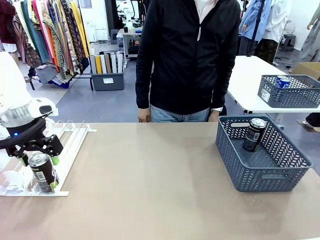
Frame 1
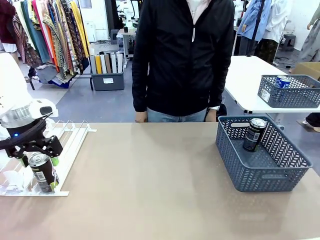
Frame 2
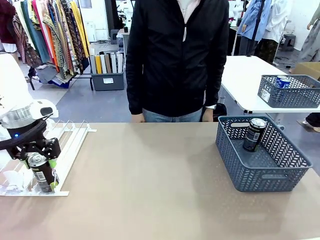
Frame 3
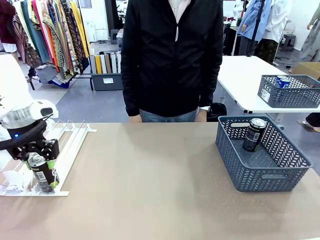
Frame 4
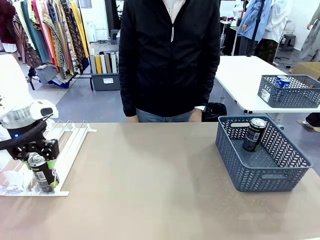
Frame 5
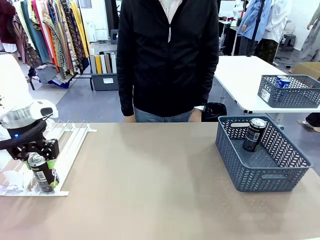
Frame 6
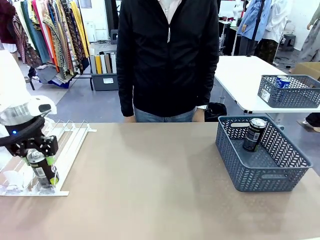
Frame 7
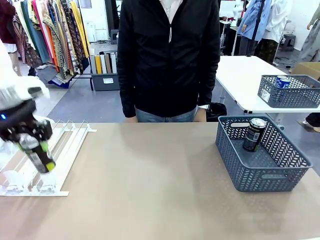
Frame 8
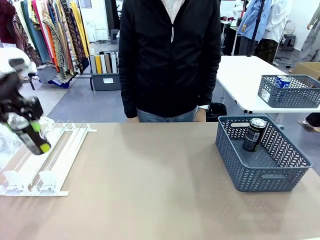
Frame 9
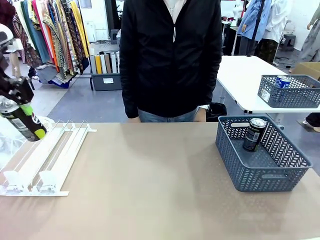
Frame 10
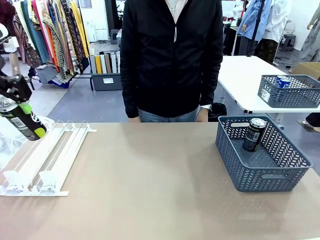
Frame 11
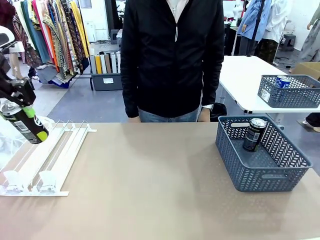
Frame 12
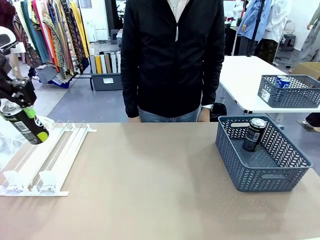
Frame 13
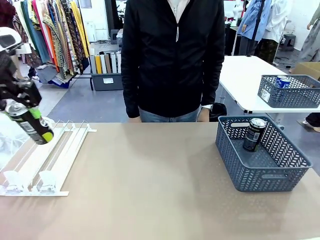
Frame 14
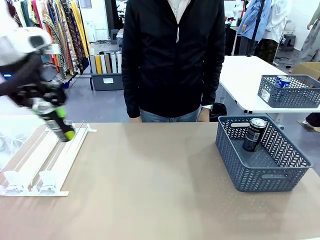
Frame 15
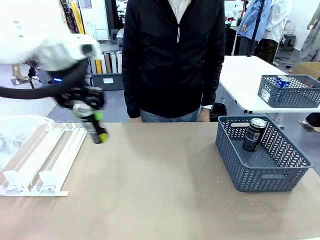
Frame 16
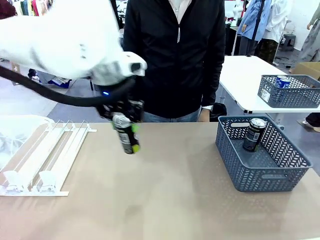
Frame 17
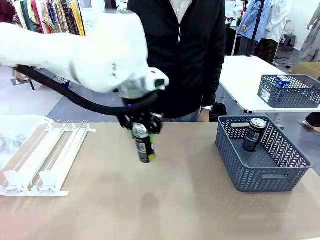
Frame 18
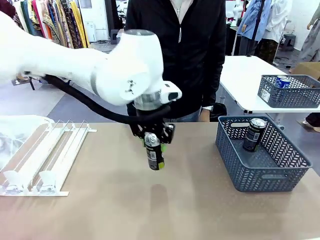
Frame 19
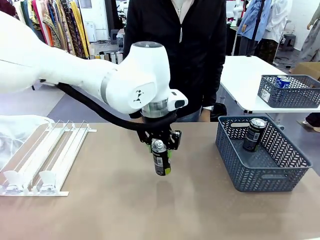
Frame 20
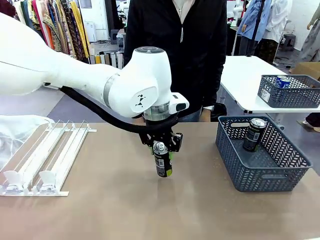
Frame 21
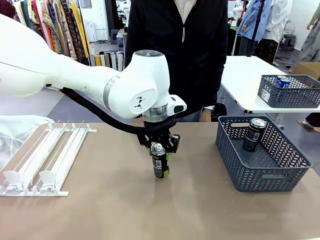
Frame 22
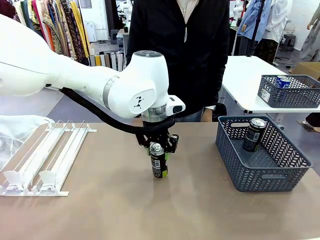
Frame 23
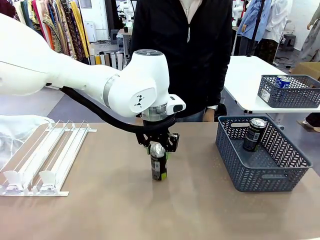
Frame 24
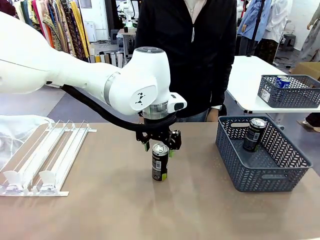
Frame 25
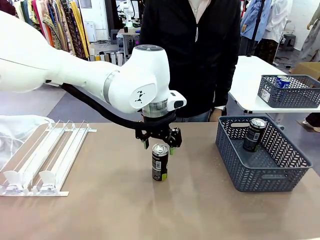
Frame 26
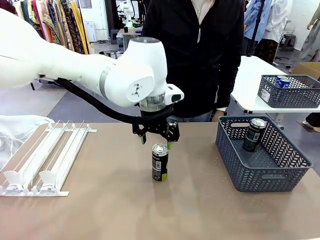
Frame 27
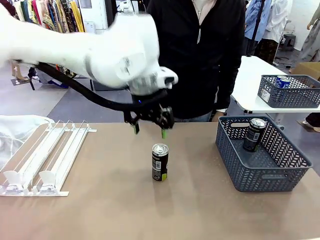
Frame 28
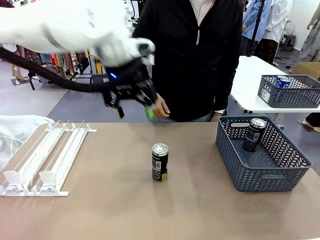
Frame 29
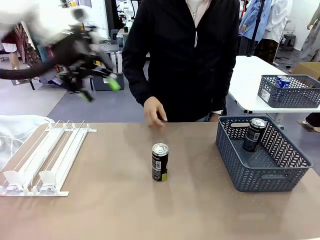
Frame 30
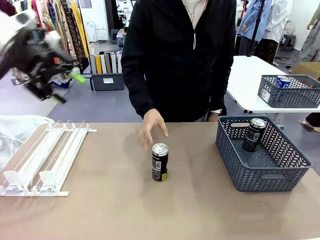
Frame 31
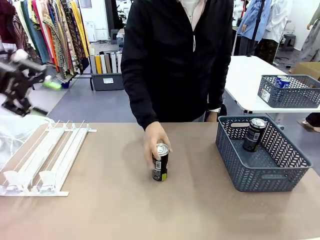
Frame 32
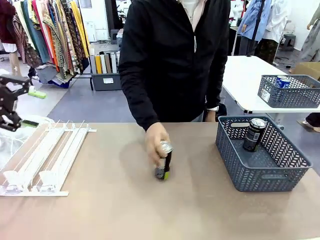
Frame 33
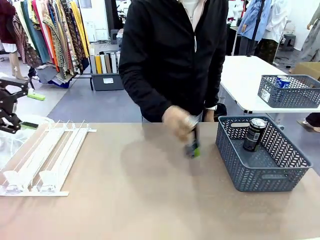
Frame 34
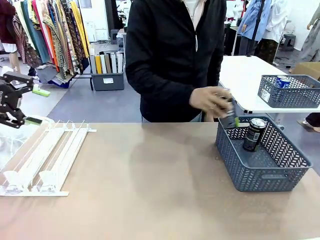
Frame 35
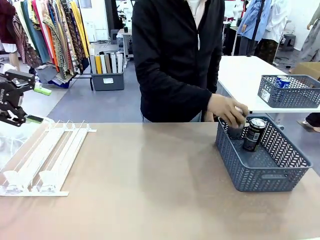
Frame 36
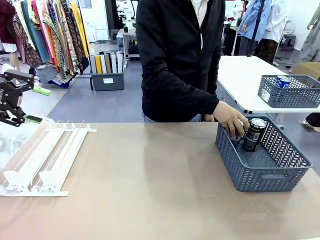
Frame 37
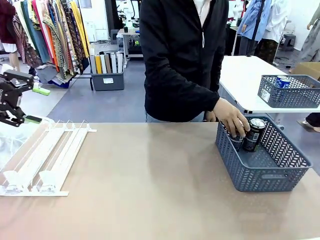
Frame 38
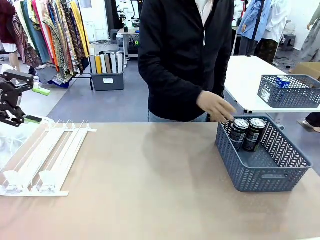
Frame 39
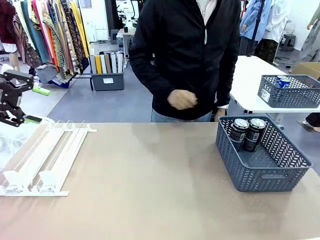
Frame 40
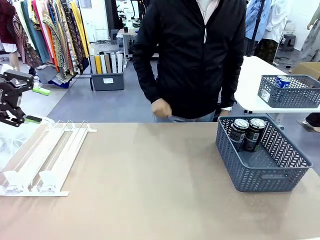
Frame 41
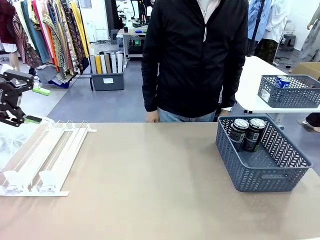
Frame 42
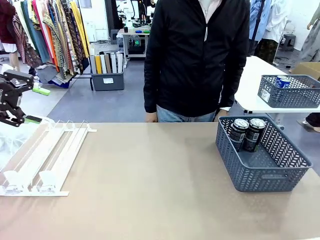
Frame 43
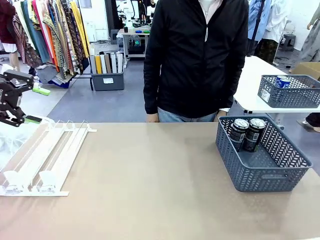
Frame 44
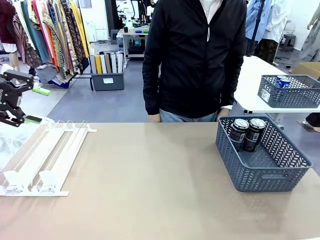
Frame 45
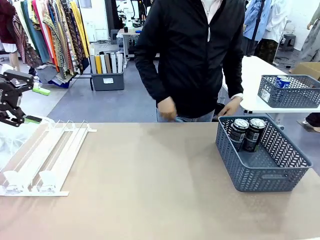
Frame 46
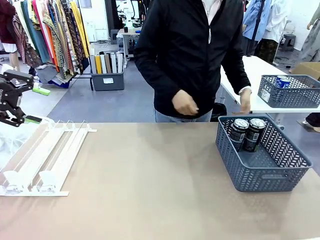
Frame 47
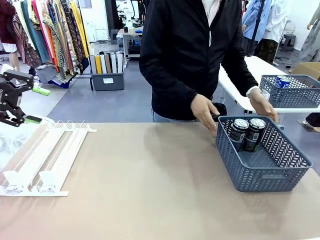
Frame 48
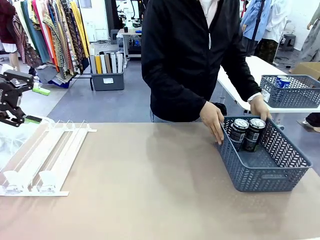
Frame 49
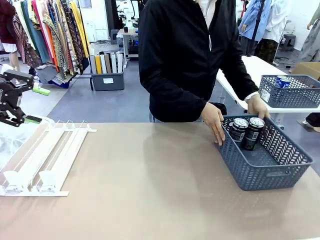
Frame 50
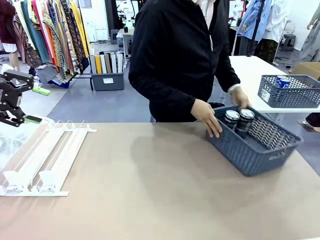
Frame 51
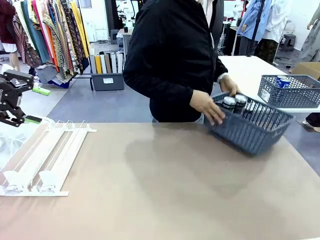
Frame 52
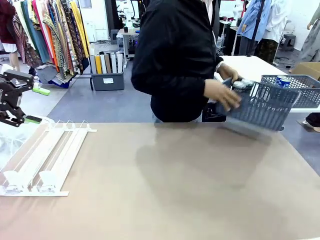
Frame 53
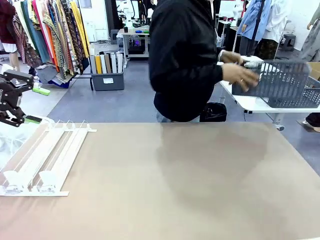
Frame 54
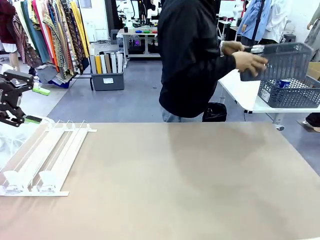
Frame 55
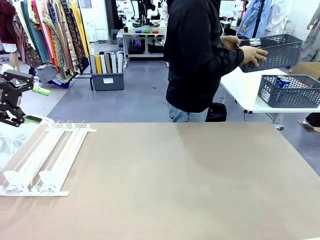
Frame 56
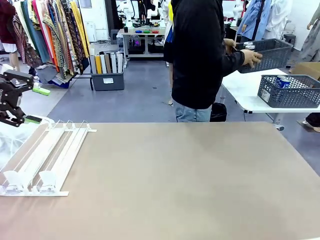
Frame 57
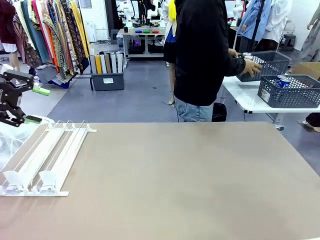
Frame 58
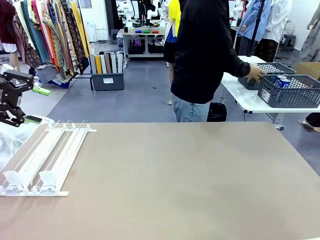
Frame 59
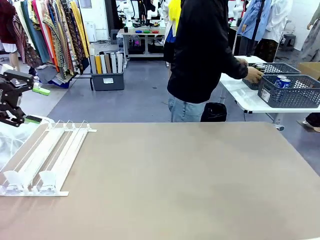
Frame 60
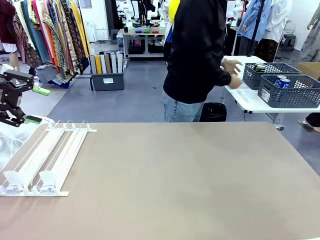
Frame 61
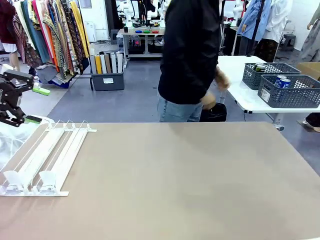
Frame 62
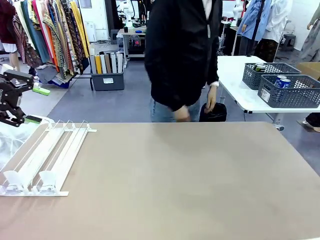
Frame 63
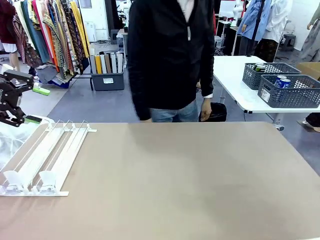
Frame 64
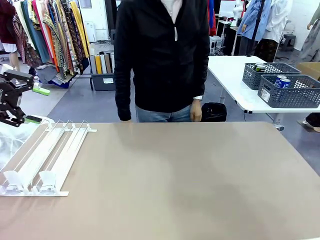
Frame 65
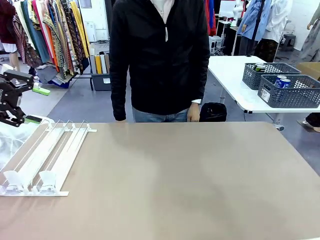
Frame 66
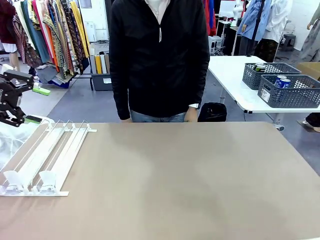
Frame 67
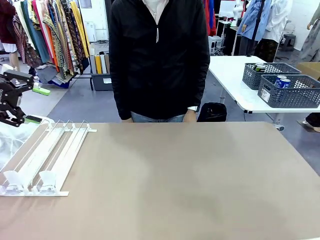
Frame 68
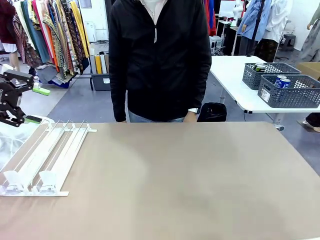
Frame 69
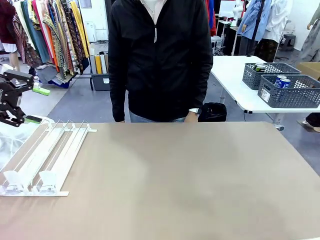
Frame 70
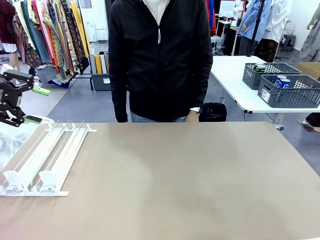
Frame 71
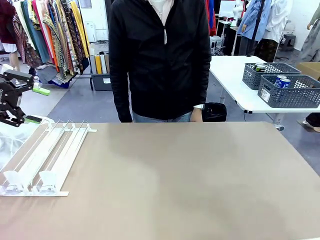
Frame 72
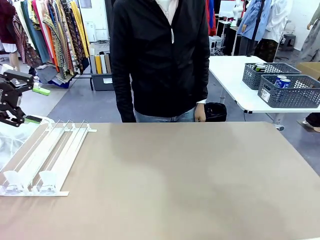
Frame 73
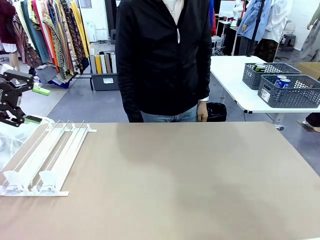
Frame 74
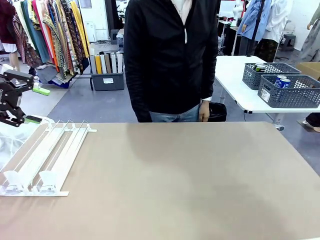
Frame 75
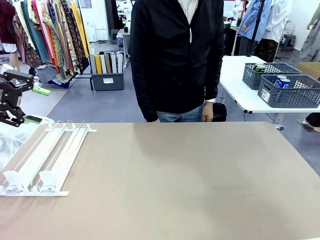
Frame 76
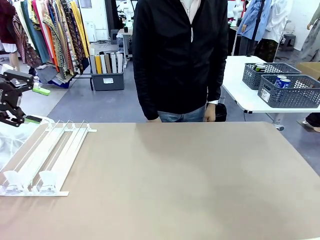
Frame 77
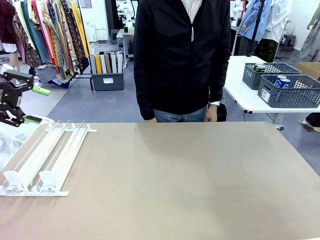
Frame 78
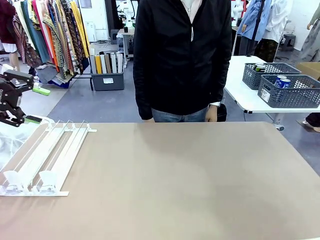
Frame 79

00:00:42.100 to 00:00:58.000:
Task: Retrieve and store the cans from the dispenser.
Robot: Pick up one can from the Automatic Can Dispenser and place it in the middle of the table.
Person: Pick up one sports drink can from the middle of the robot table and place it in the basket. Pick up the basket and place it in the middle of the human table.
